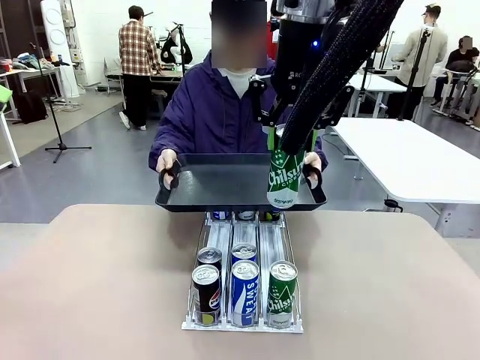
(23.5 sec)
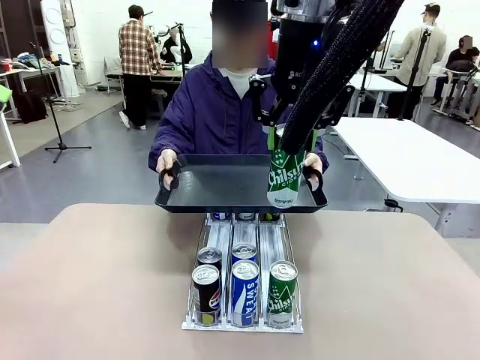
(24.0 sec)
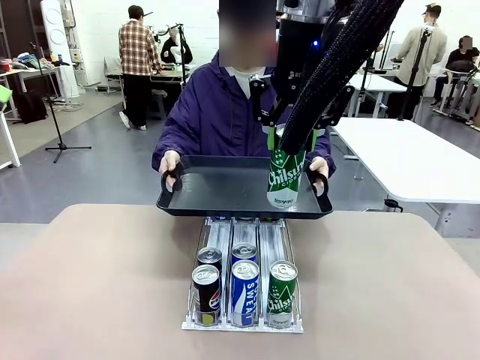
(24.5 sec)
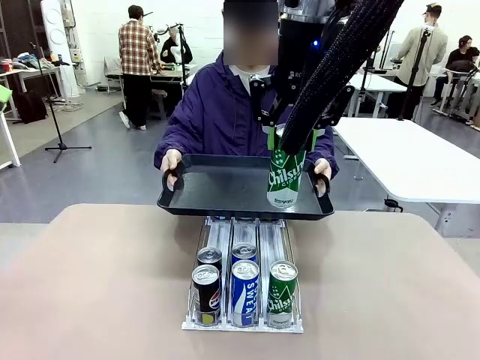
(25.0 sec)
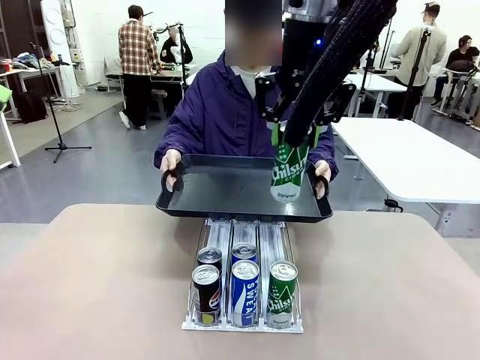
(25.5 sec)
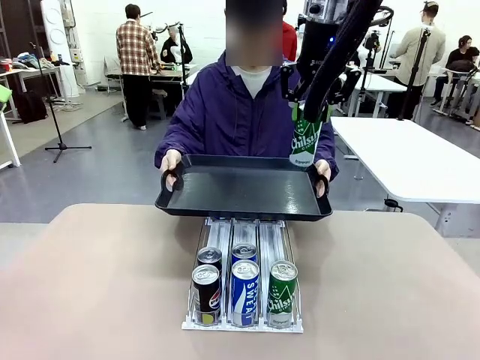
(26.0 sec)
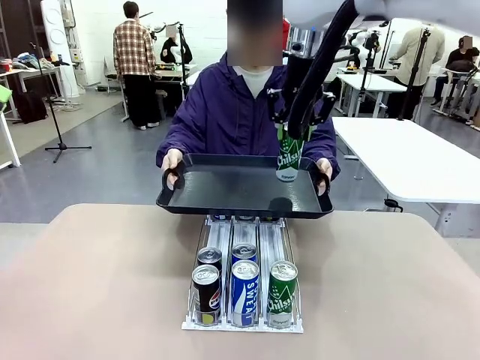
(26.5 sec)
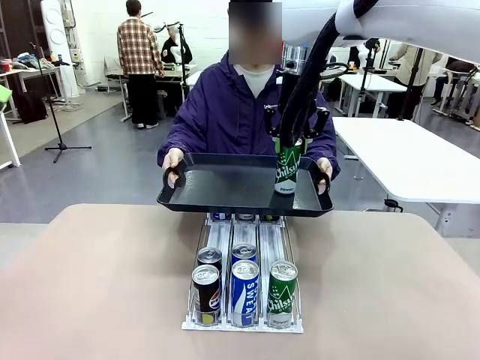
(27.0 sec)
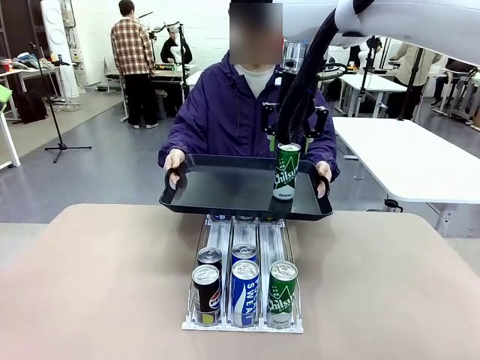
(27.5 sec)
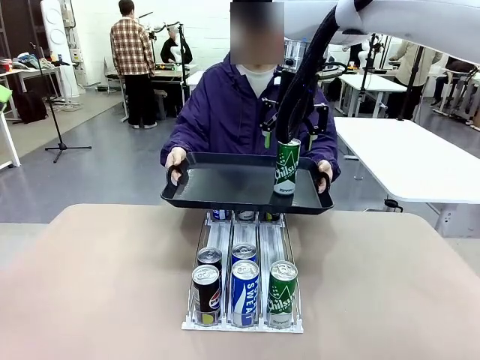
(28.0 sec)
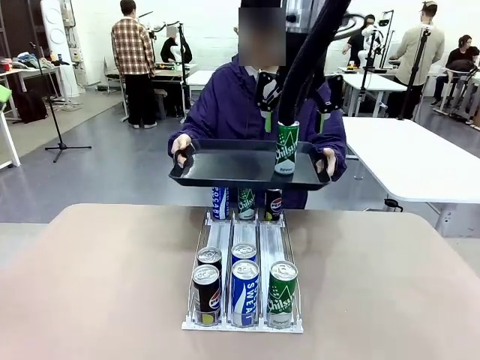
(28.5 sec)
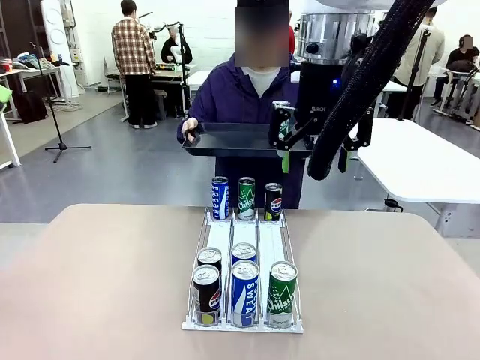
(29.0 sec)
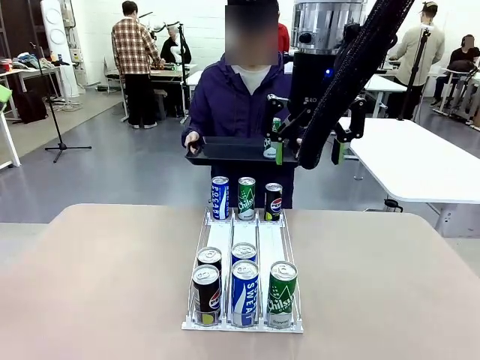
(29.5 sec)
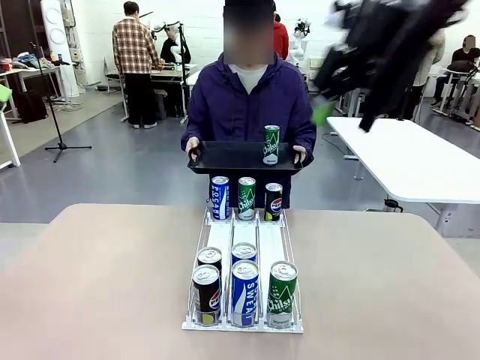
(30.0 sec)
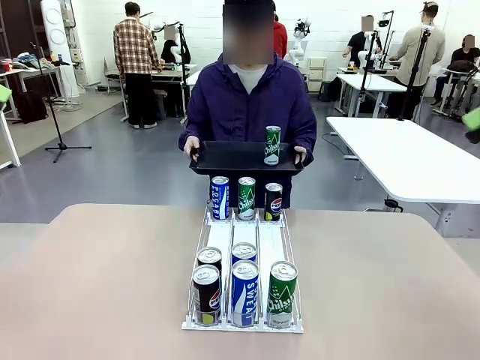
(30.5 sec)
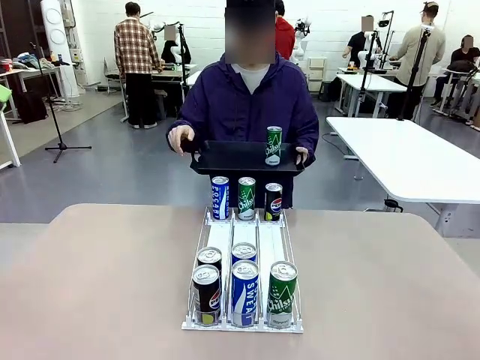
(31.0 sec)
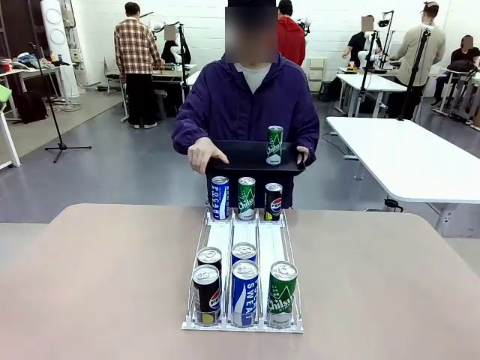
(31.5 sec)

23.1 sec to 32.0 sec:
Task: Retrieve and hand over the desired beverage to the person.
Robot: Place the picked can on the Handle tray extended by the person.
Person: Pull the tray back, then pick up another can from the bottom area of the table and puts it back in its original place.

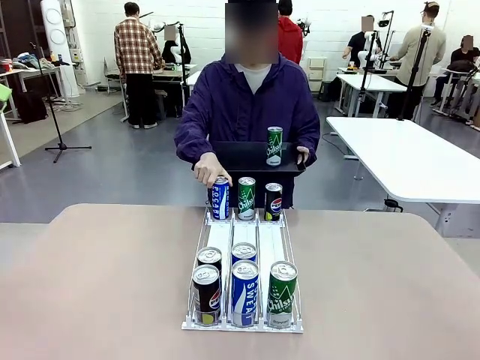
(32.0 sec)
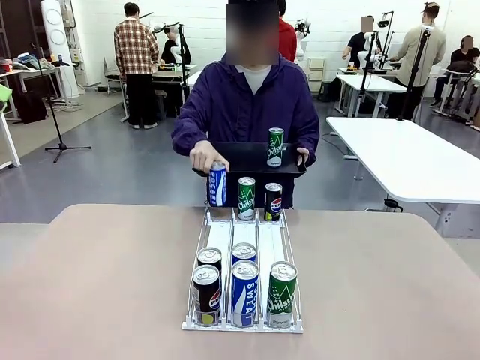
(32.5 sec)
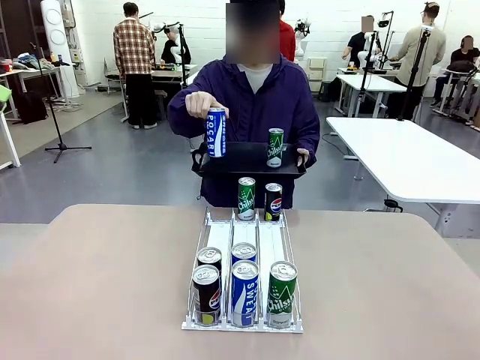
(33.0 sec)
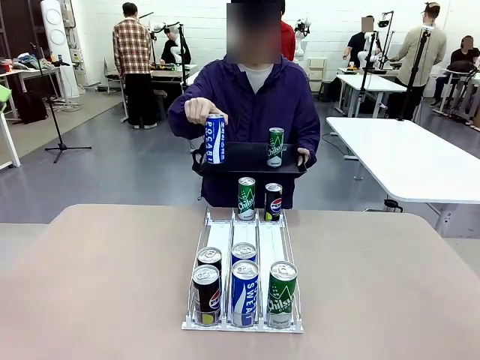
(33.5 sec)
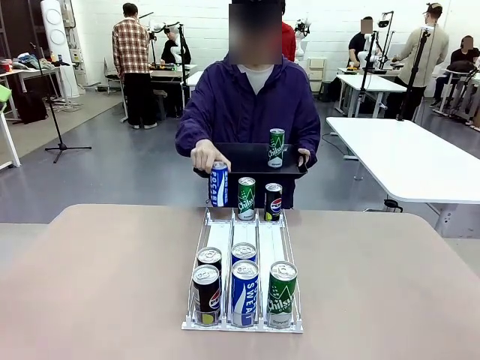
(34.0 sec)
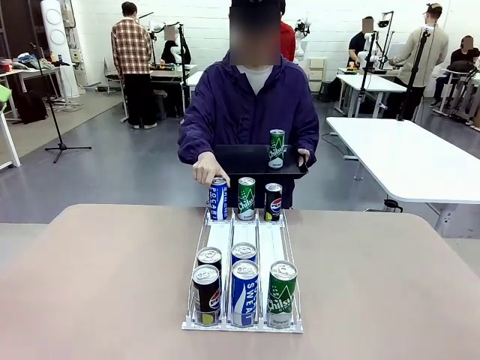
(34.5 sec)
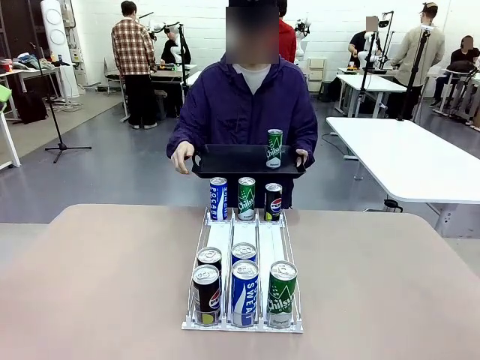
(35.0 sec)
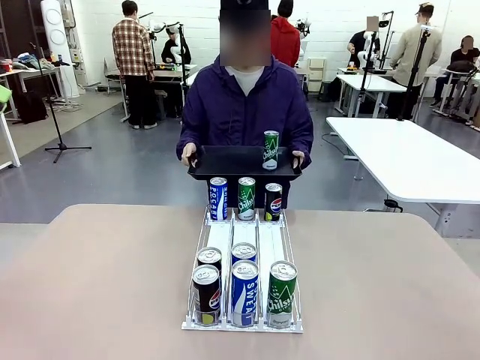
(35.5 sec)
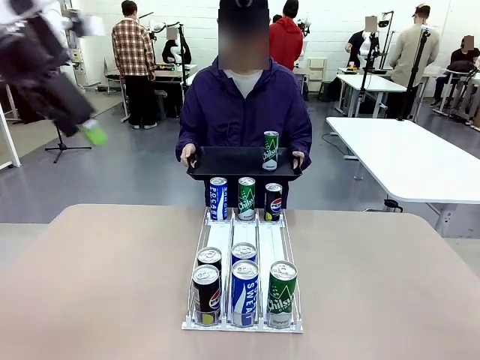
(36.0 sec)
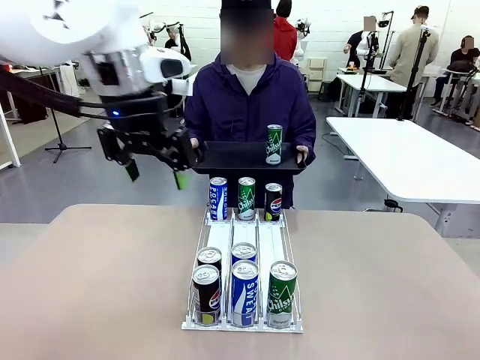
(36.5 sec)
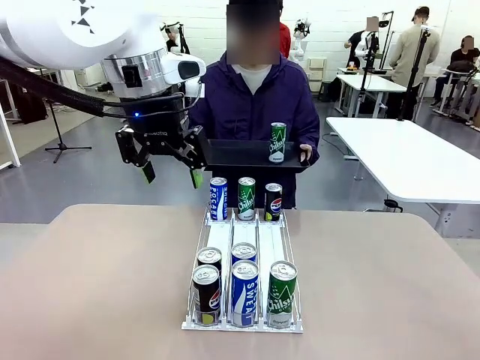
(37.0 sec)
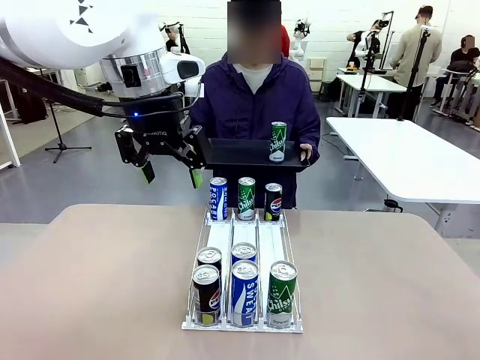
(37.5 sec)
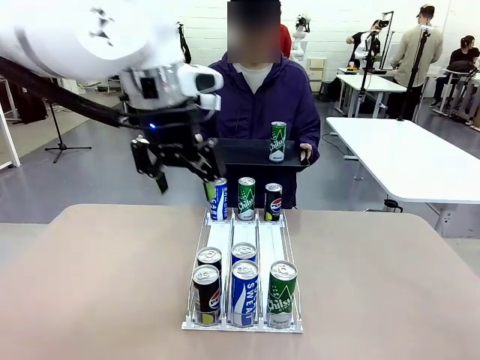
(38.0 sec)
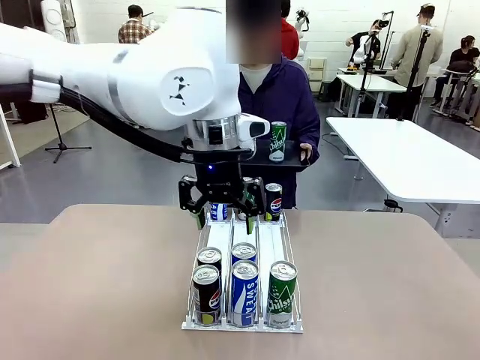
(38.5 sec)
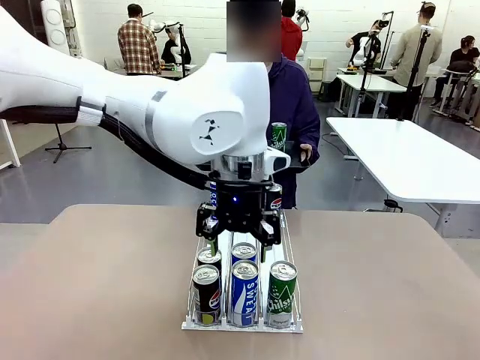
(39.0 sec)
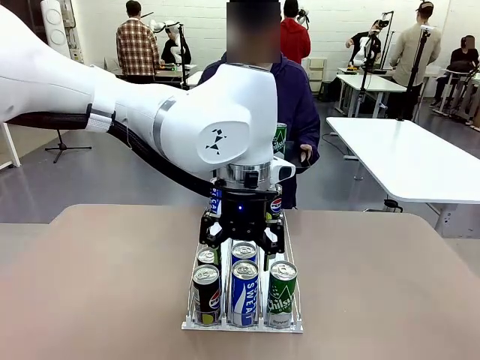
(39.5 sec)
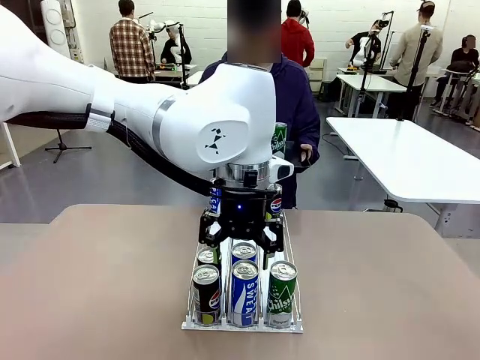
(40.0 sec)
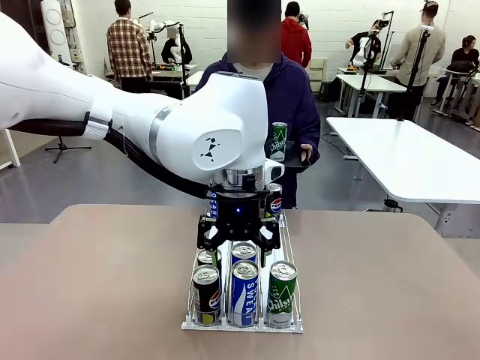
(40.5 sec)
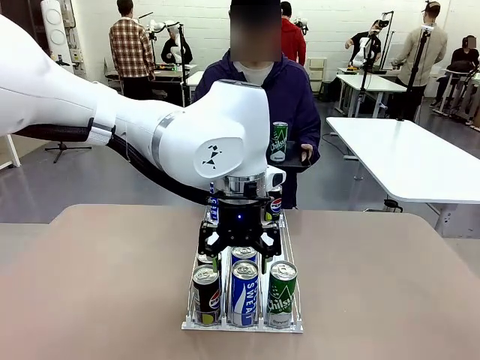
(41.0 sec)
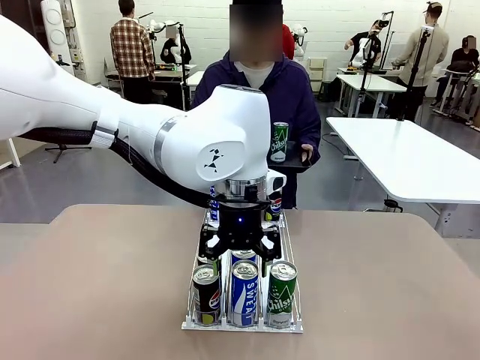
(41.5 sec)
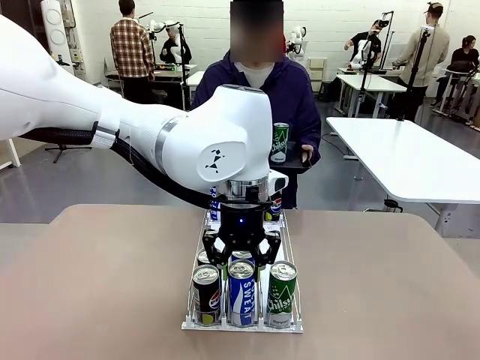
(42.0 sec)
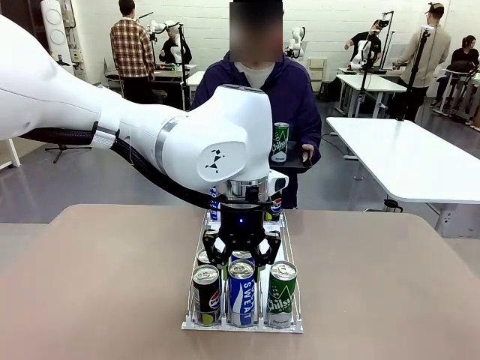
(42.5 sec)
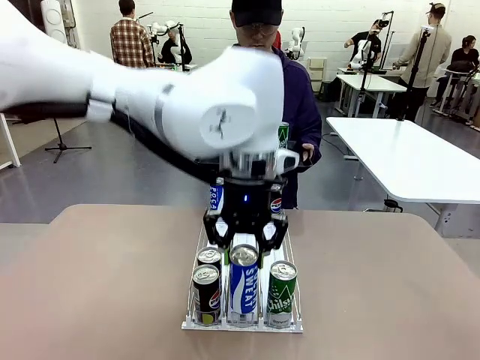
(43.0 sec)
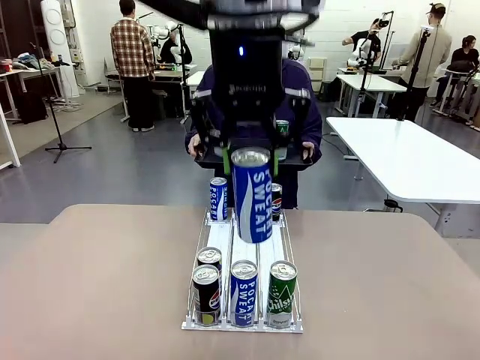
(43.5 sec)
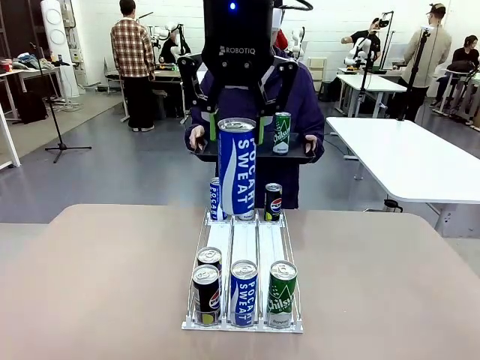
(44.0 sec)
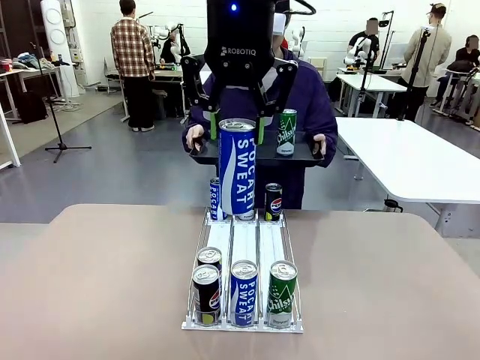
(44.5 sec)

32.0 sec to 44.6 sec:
Robot: Pick up another can of the same type that the person held from the Automatic Can Dispenser.
Person: Push the tray toward the robot again.
